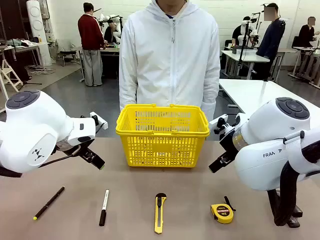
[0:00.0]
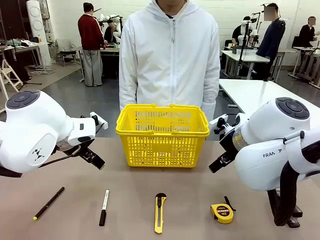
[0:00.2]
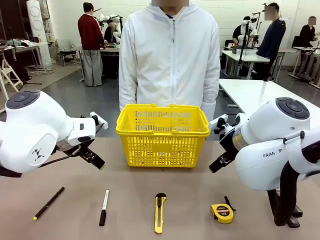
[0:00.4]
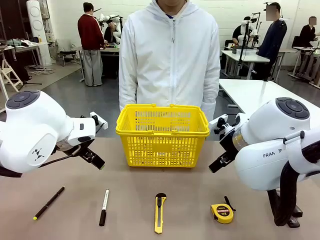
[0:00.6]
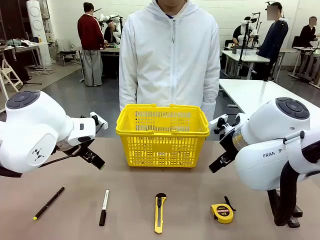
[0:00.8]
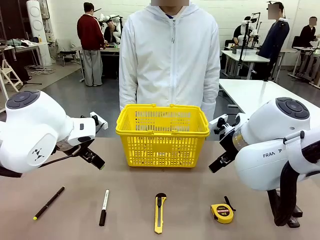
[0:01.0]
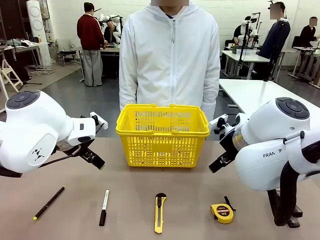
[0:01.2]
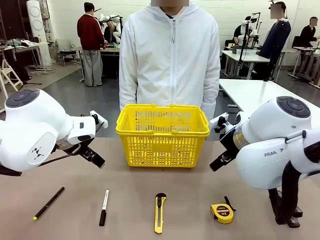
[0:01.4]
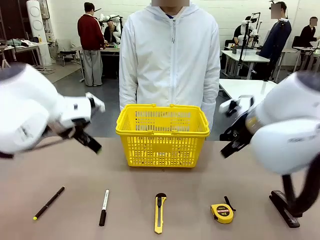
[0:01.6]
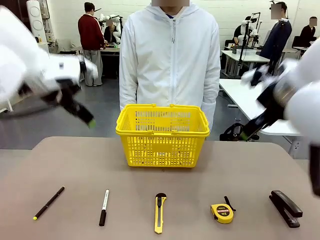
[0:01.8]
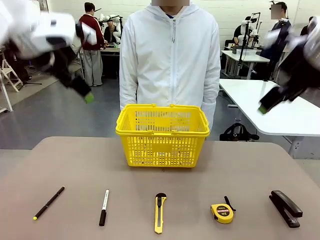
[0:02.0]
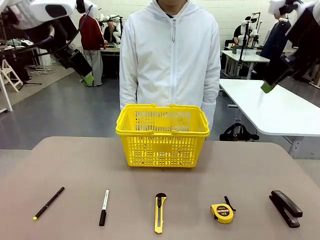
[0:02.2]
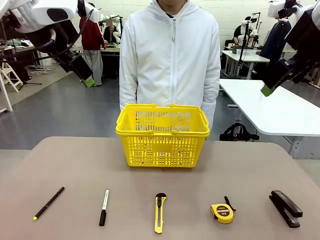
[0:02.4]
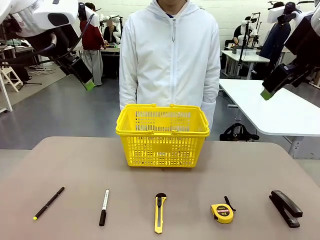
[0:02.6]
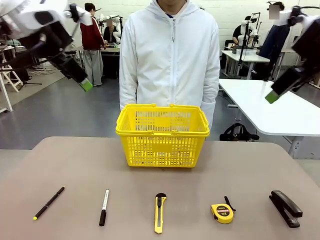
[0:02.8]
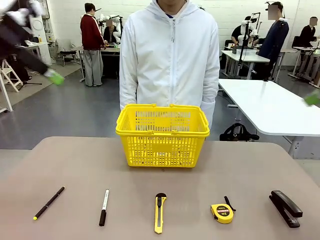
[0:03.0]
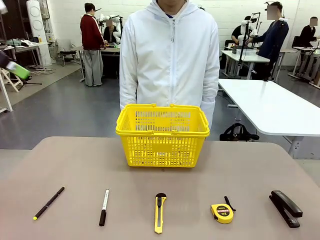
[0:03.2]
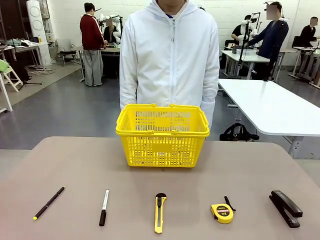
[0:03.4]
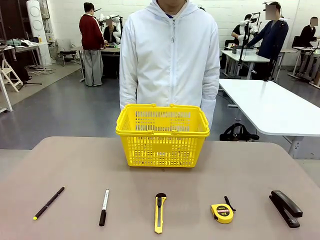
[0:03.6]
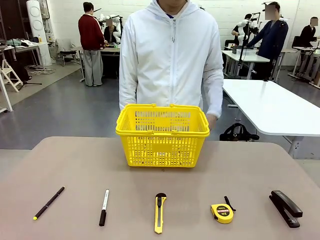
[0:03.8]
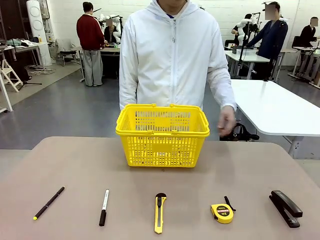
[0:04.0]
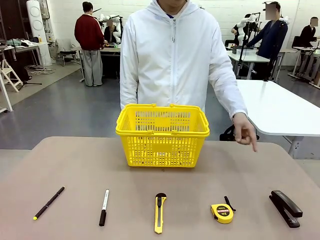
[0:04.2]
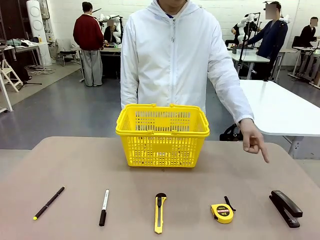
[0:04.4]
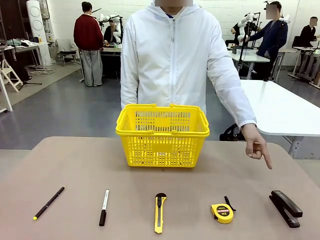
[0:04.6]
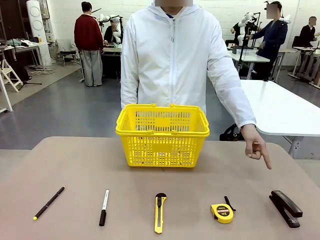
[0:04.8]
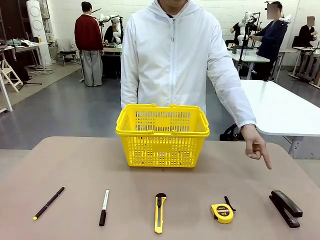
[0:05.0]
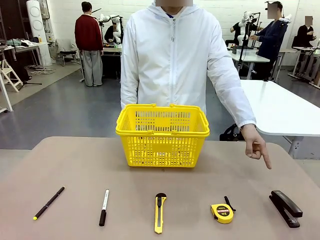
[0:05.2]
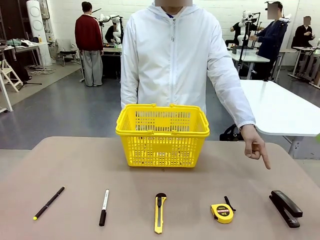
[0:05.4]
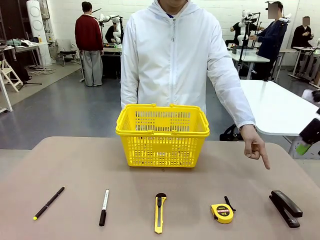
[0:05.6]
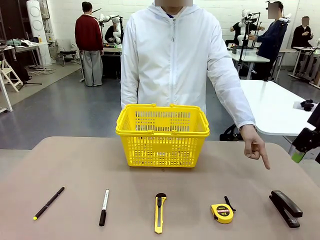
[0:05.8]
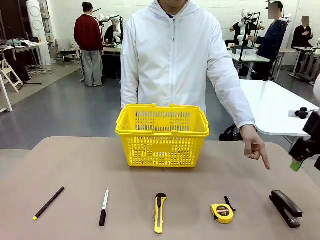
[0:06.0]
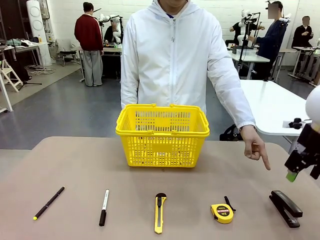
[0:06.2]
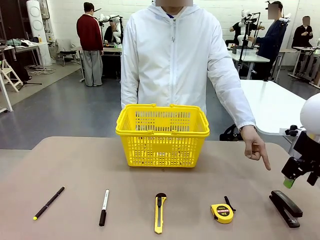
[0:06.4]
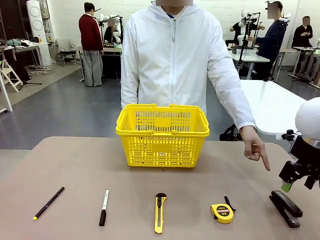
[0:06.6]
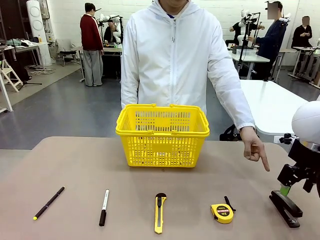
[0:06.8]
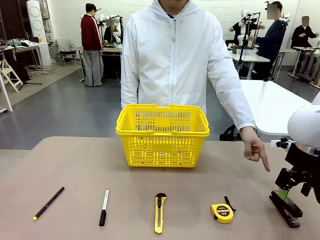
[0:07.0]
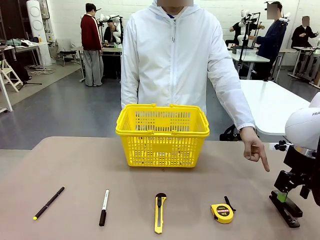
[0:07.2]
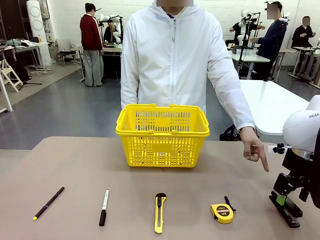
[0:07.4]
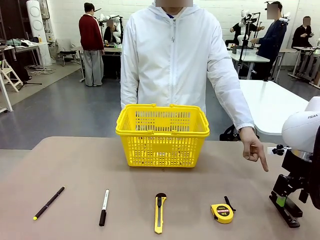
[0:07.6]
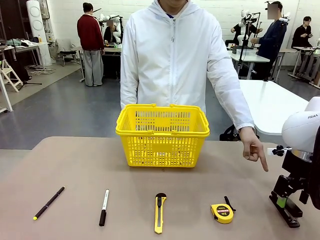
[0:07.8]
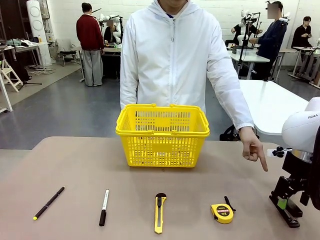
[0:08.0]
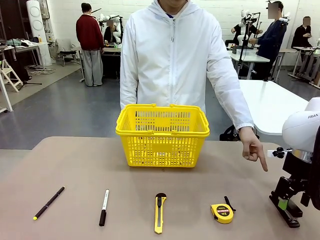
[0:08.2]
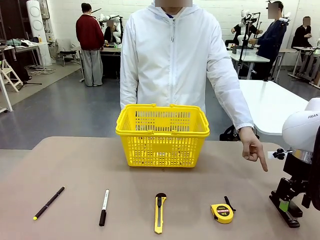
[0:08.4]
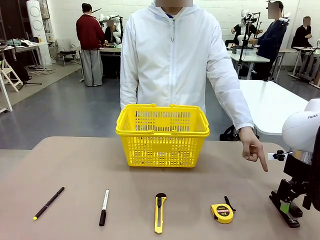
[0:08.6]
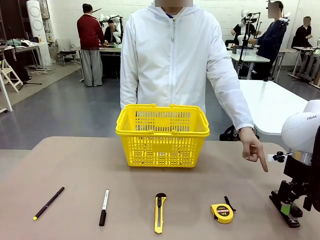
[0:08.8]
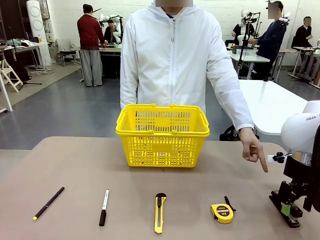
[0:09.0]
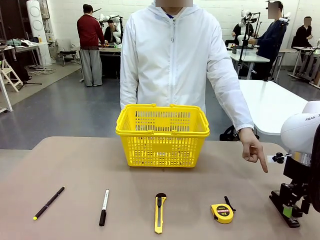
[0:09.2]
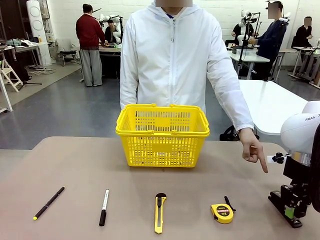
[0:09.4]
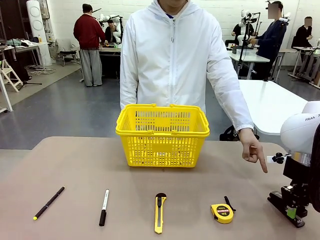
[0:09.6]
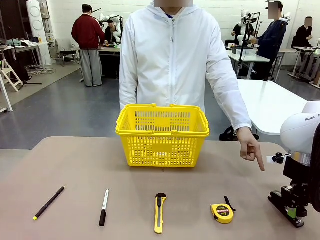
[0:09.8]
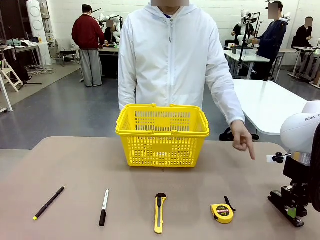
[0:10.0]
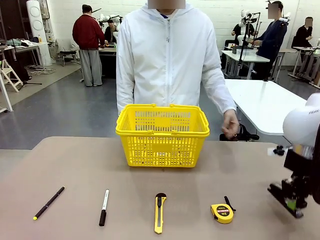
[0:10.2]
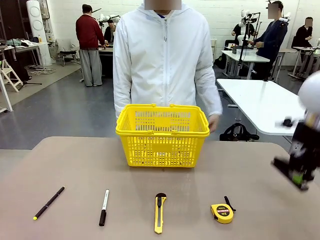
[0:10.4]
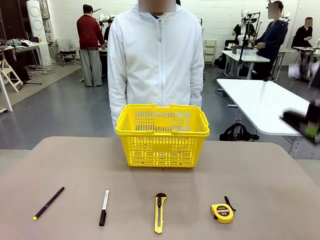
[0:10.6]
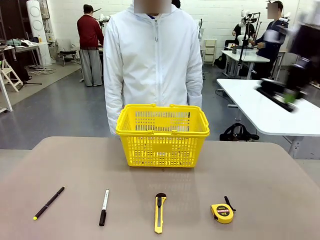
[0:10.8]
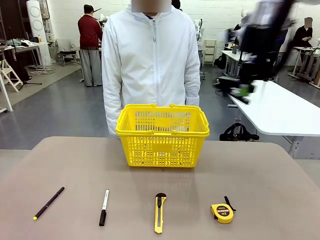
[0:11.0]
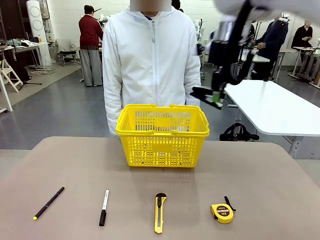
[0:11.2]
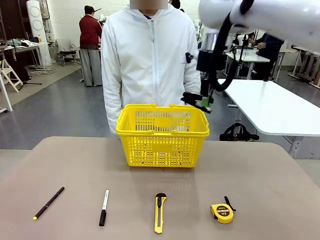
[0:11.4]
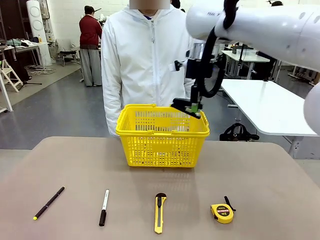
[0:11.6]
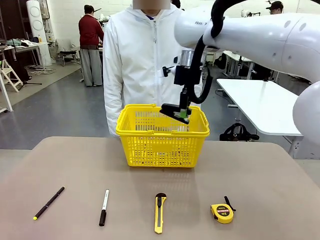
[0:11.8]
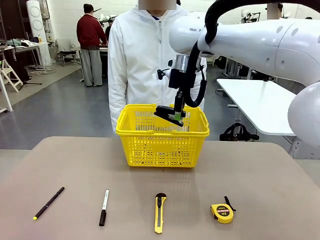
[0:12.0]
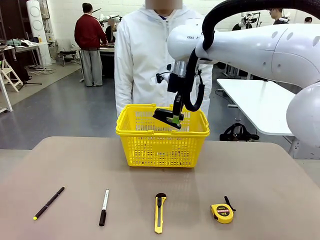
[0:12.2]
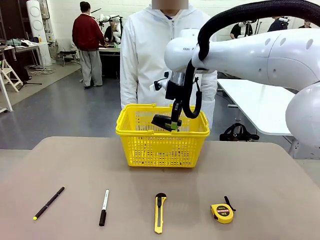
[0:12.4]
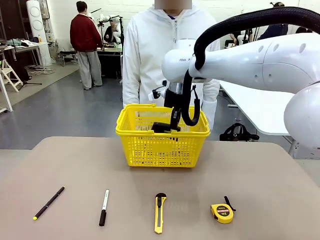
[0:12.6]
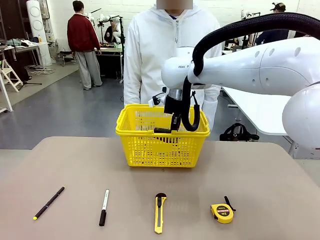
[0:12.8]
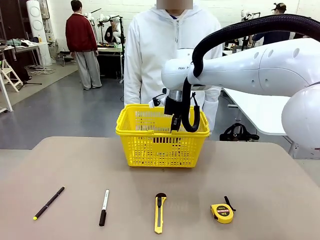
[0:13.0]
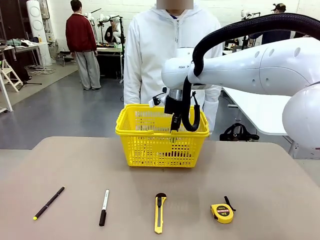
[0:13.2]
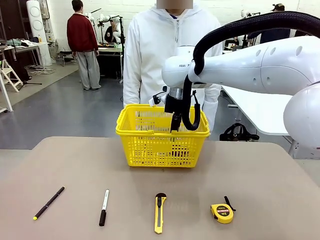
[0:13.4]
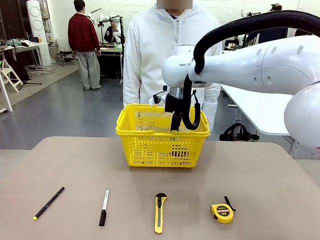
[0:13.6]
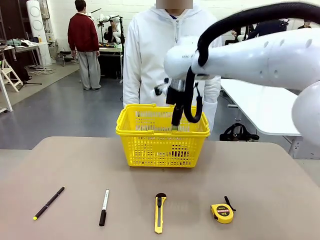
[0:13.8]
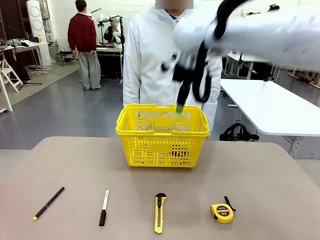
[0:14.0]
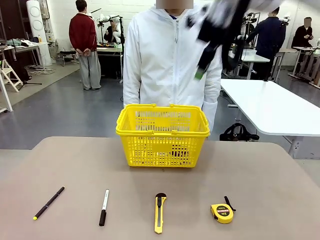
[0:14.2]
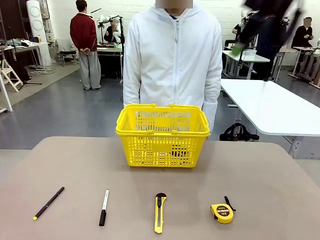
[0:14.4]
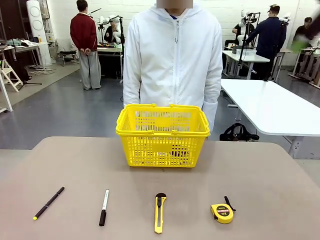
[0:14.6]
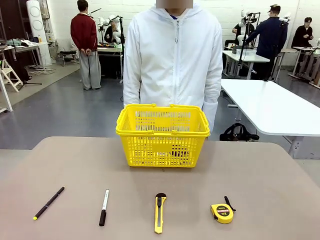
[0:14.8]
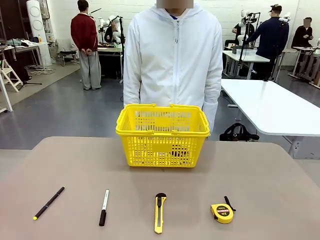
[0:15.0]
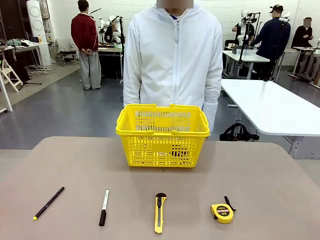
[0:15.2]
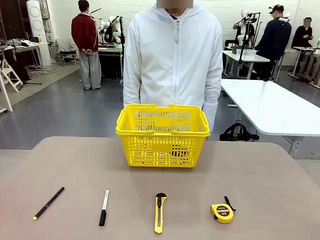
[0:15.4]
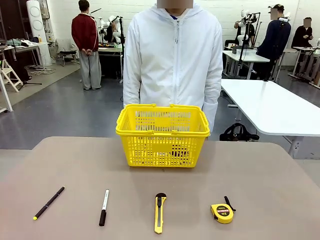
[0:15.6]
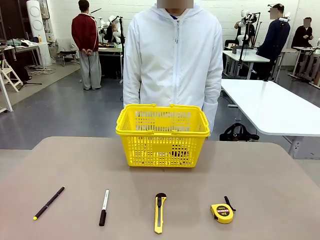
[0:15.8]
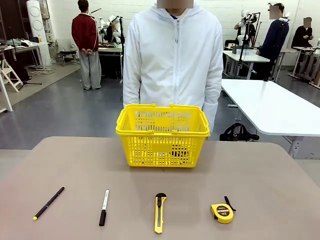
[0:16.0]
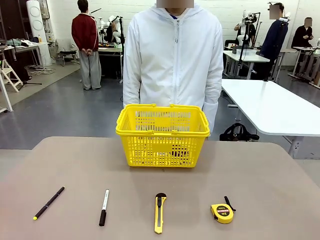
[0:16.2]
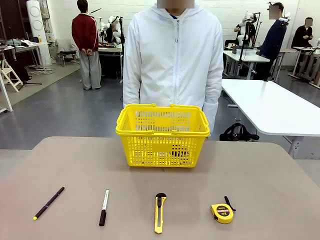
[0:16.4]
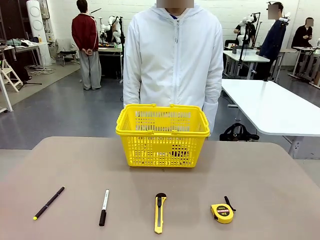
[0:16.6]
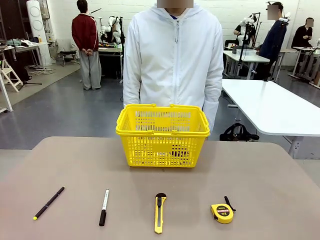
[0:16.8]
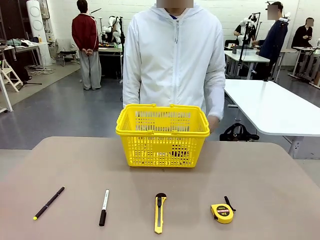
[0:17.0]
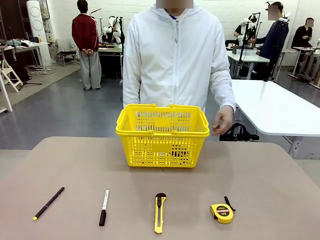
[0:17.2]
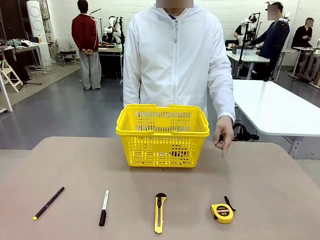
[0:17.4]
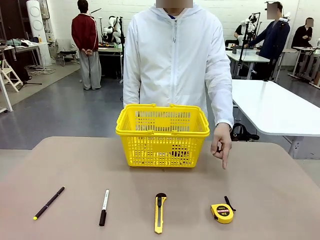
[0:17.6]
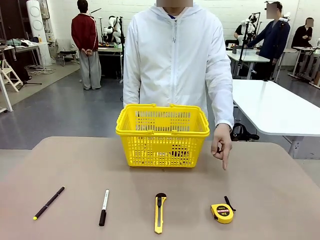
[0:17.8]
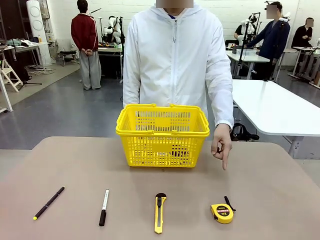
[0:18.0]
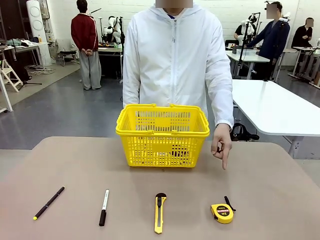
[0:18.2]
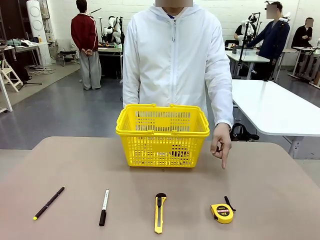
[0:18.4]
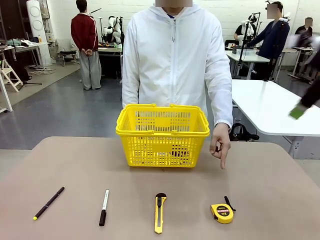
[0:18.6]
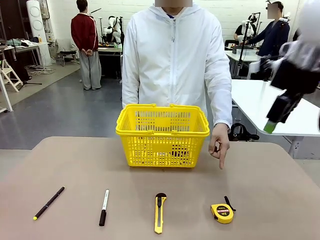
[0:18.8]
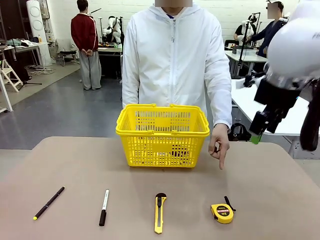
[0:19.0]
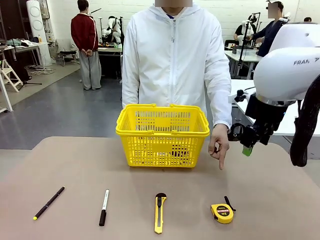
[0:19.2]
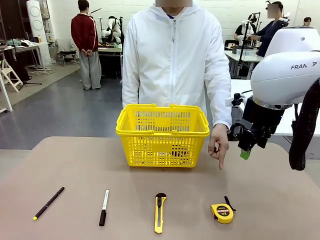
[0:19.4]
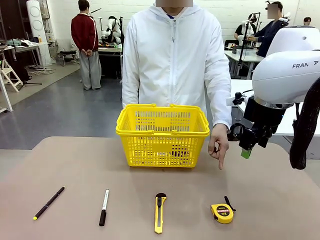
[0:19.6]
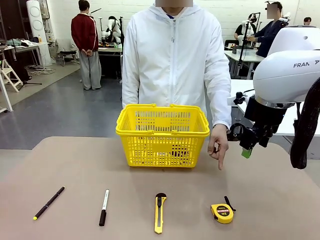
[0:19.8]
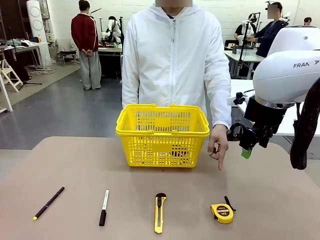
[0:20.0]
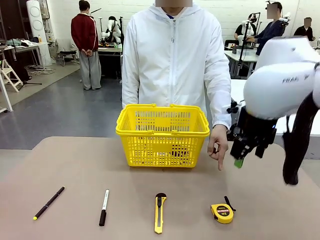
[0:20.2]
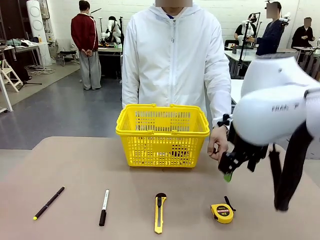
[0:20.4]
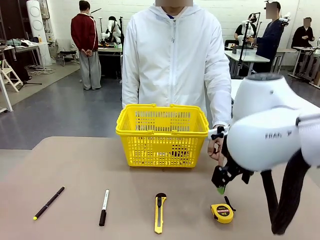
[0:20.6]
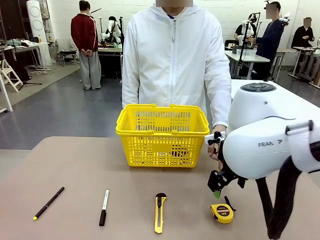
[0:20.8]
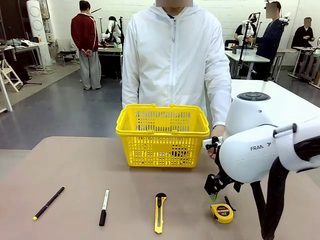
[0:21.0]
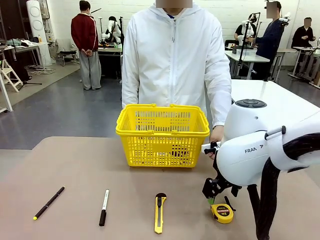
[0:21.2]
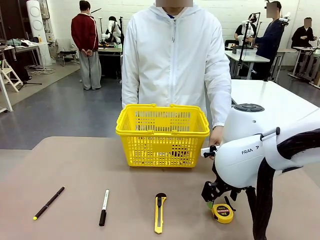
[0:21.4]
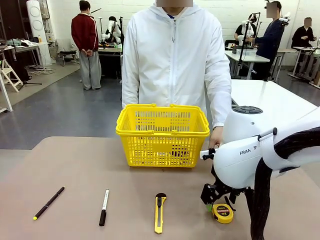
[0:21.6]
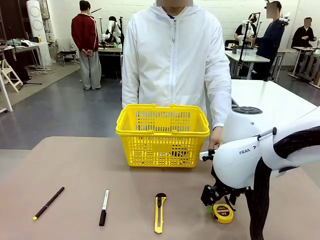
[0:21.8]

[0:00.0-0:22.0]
Task: Place the items the person wants into the basket.
Robot: Pick up the item the person points to and place it in the Market Basket.
